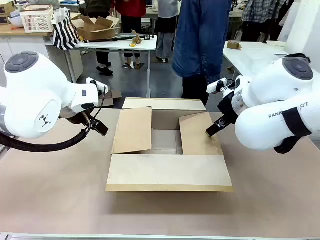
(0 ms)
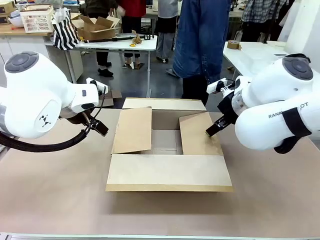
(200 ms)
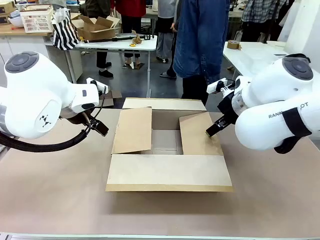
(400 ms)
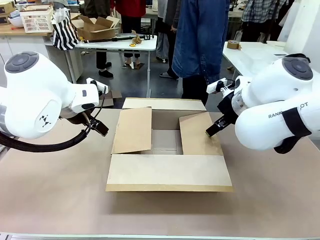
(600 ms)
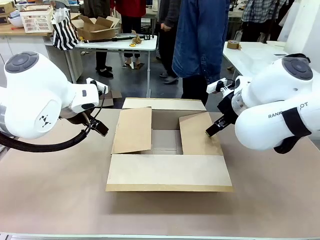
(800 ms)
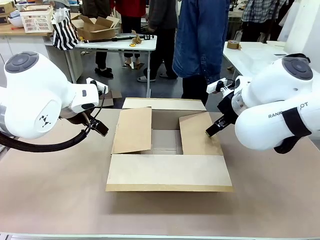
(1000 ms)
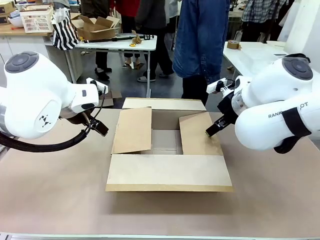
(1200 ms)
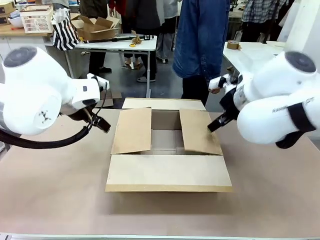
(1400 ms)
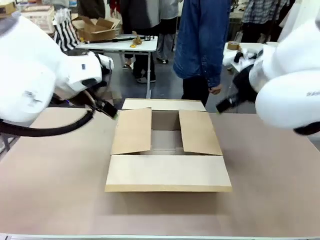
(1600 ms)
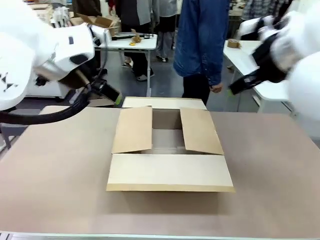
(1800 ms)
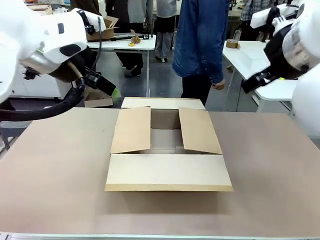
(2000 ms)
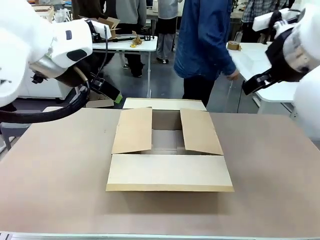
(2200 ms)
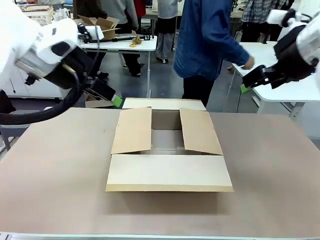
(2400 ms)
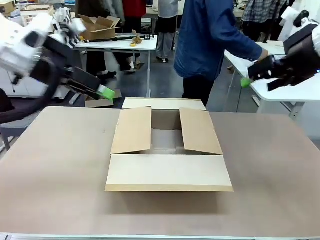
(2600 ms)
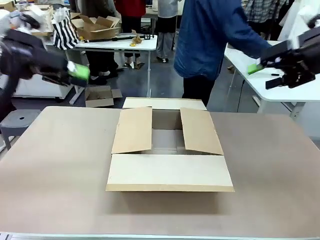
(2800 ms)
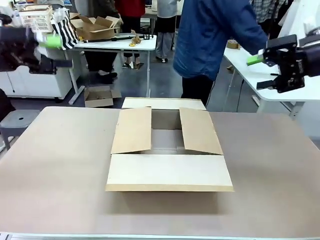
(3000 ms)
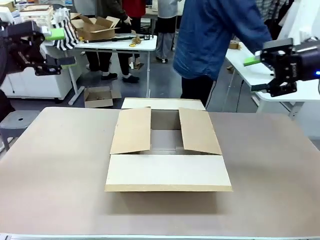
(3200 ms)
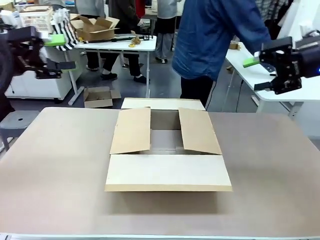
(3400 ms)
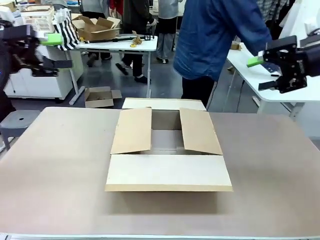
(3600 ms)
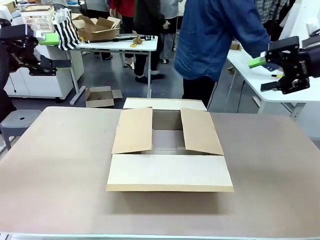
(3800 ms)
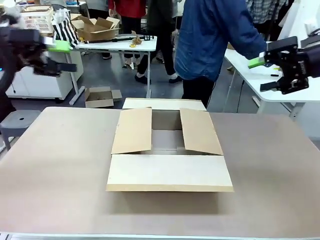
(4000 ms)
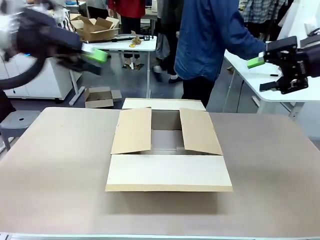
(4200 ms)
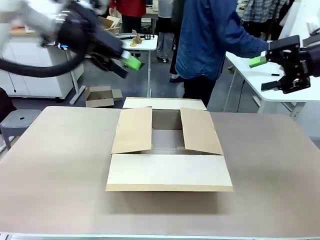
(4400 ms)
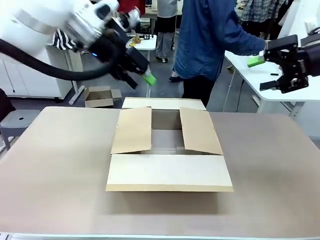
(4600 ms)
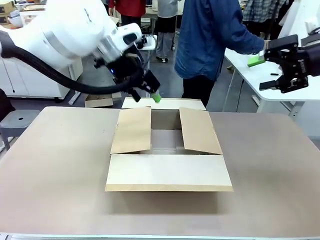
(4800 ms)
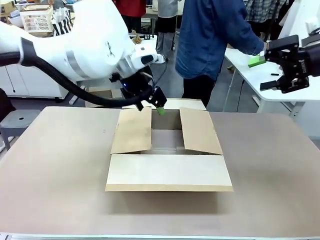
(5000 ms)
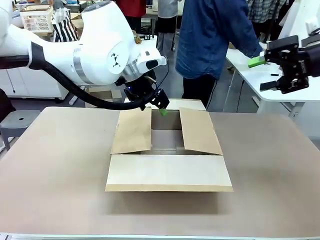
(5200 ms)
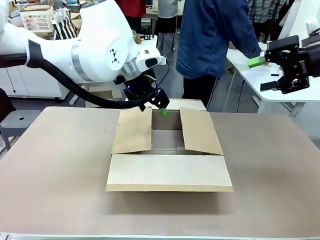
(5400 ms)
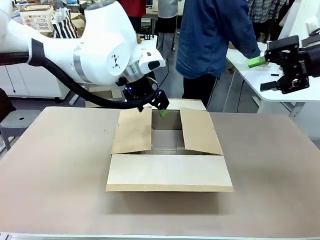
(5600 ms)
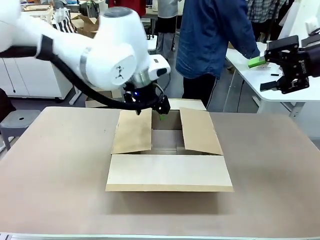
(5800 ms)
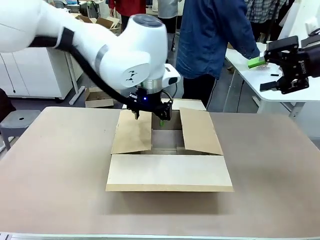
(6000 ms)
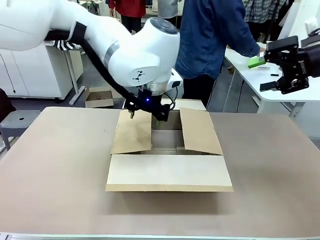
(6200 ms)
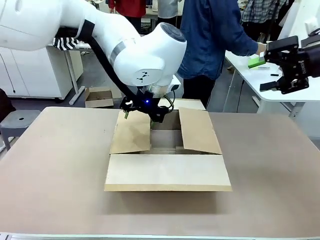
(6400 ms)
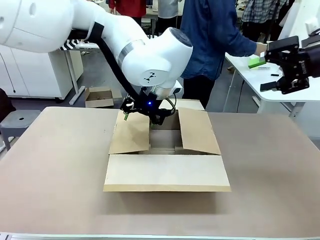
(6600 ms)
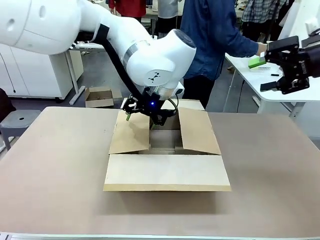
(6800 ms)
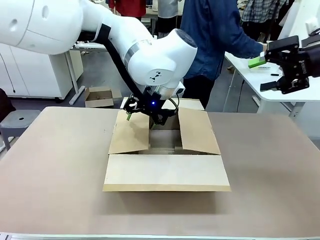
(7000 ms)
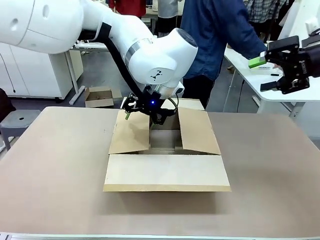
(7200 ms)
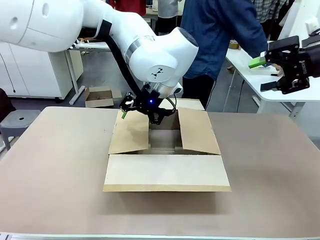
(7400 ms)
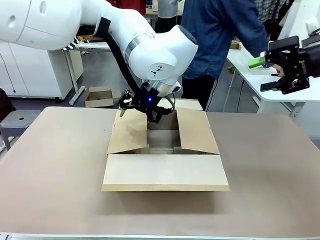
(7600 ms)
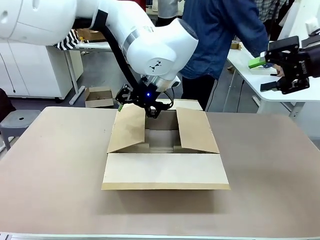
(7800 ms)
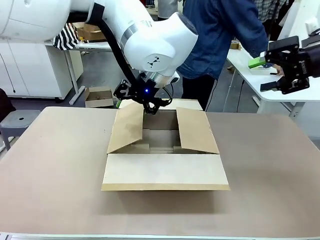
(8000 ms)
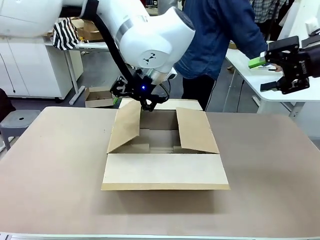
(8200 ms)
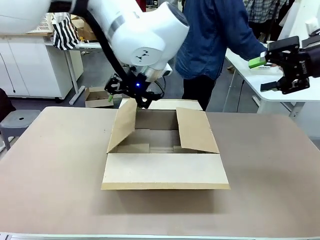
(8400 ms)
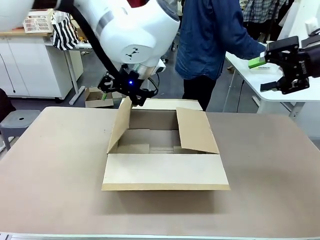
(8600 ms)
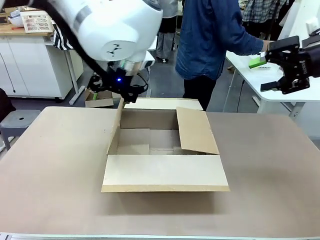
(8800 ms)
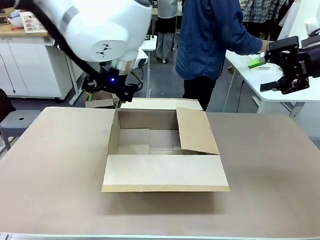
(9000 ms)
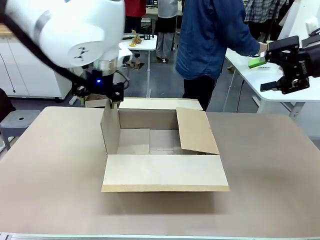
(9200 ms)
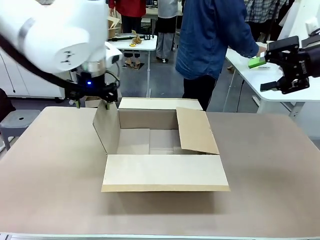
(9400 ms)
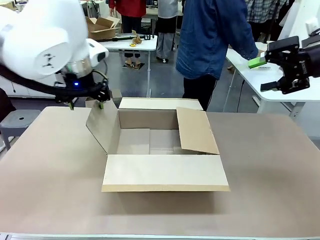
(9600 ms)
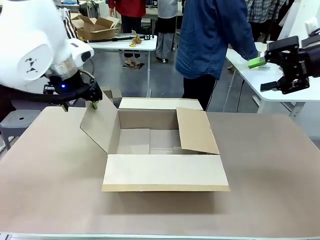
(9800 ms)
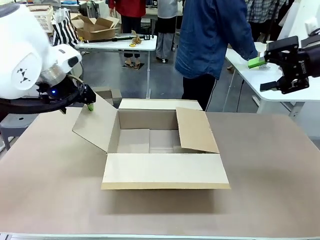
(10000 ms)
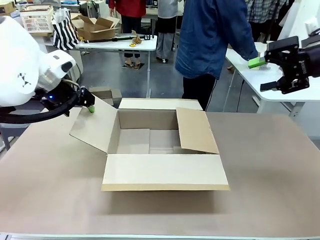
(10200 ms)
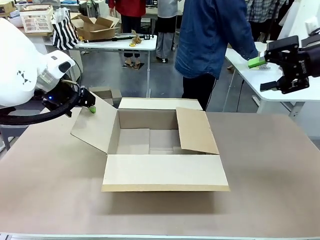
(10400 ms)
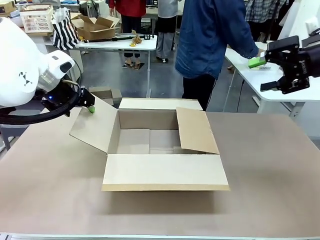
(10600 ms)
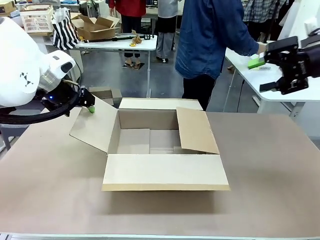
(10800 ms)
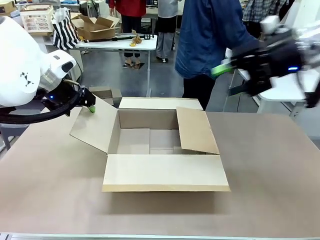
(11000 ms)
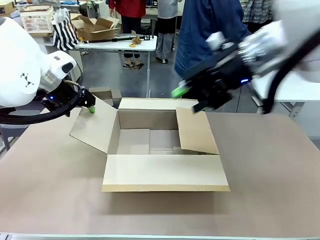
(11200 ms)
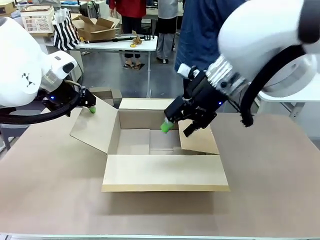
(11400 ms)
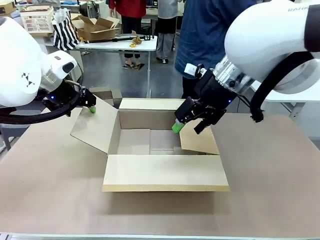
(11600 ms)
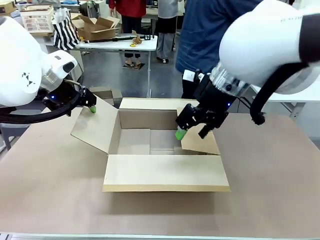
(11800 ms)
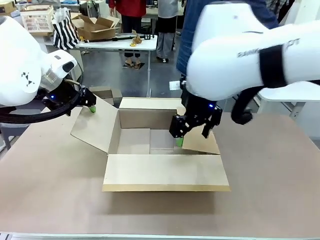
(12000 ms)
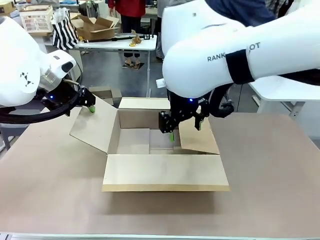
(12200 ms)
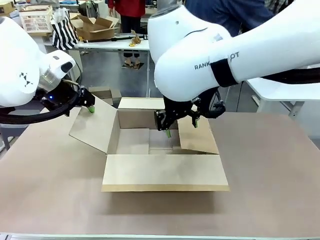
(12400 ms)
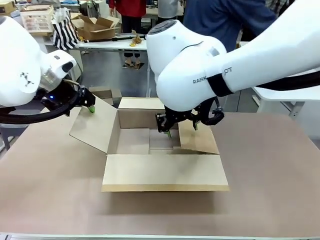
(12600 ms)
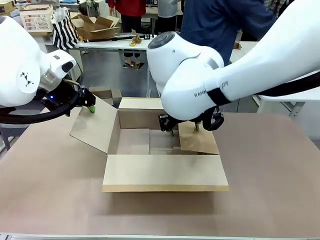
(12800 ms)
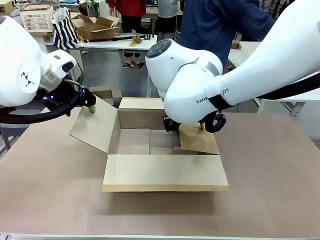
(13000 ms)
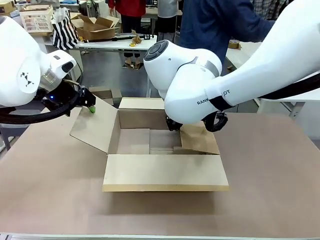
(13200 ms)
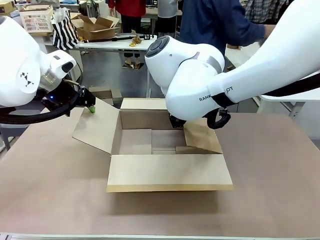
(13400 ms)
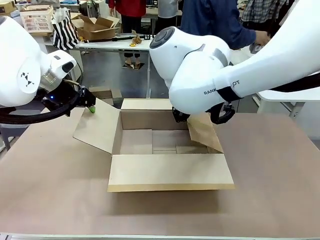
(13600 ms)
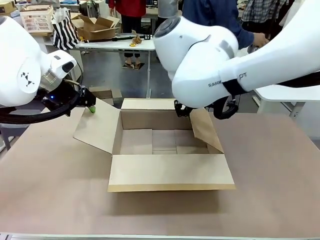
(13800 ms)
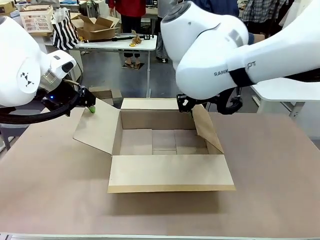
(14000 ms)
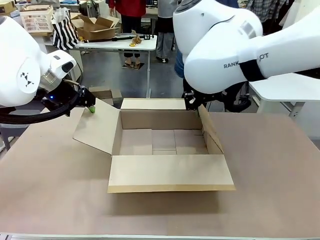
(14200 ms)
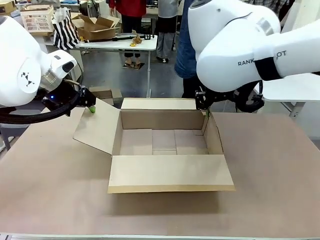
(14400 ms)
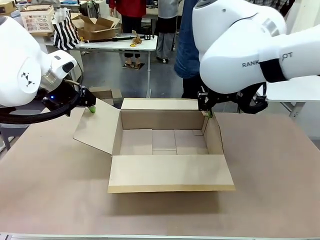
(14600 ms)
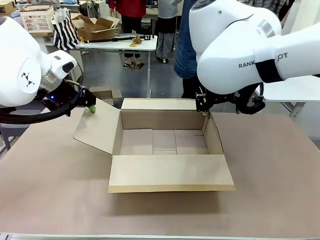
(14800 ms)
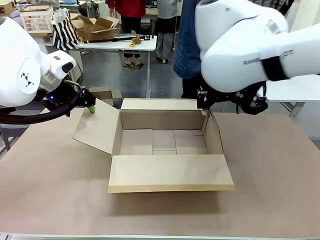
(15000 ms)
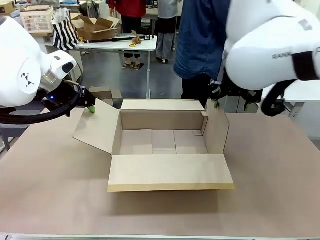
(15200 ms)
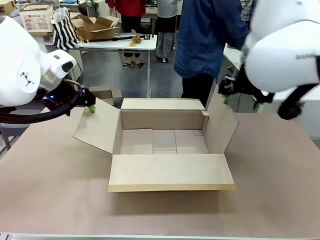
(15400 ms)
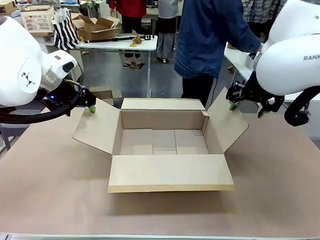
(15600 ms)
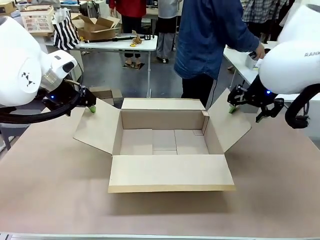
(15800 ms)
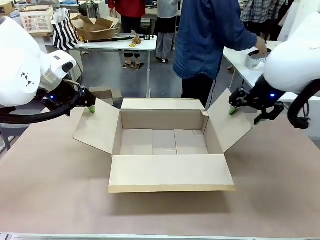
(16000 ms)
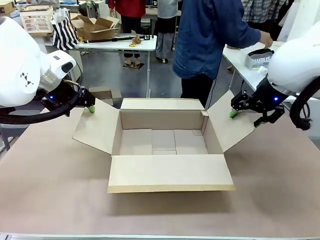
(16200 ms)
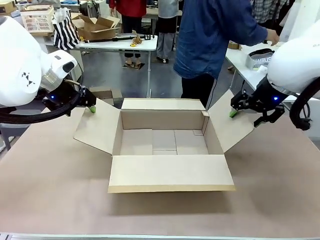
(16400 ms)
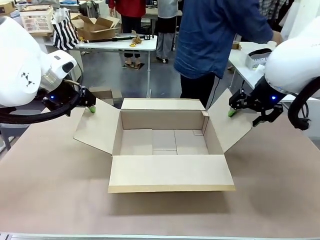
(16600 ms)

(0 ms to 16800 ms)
Task: Pack the gift set into the box.
Robot: Place both hands on the side flaps of the Package Box and spread them outward.
Person: The human places all items except the paper tape into the organizing basket.
